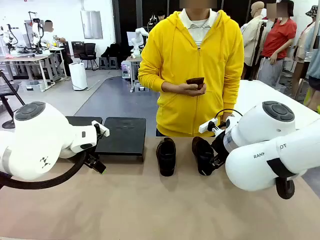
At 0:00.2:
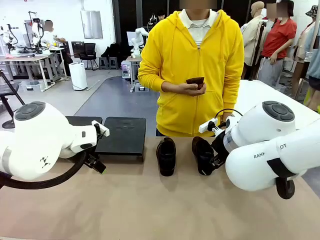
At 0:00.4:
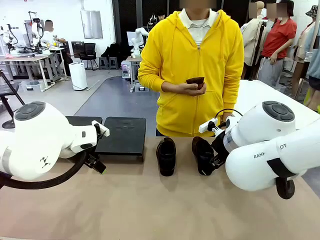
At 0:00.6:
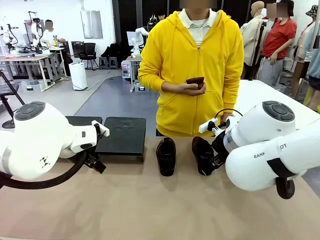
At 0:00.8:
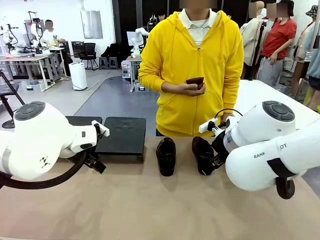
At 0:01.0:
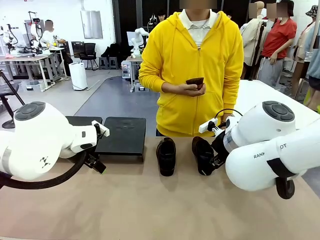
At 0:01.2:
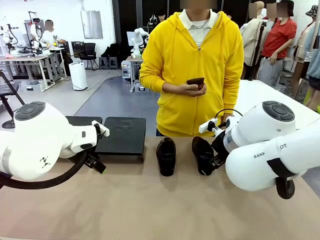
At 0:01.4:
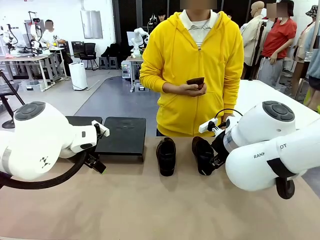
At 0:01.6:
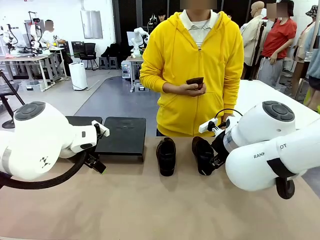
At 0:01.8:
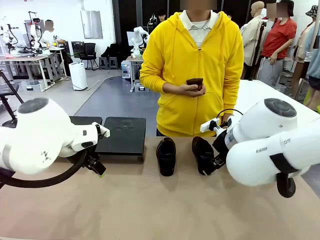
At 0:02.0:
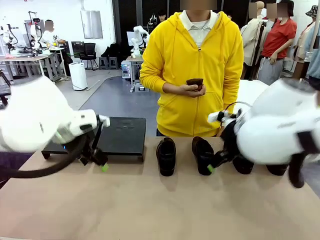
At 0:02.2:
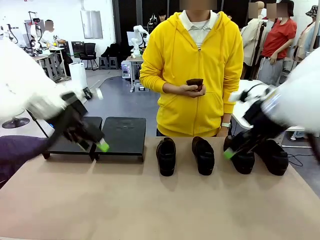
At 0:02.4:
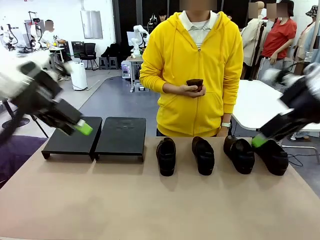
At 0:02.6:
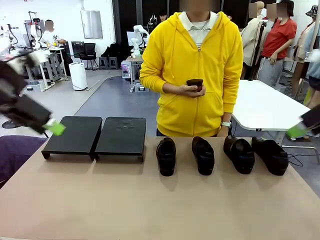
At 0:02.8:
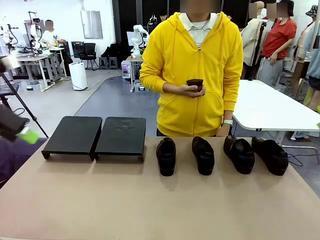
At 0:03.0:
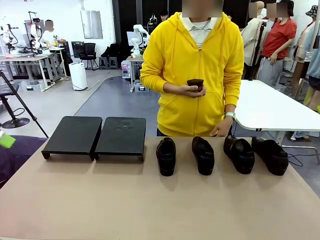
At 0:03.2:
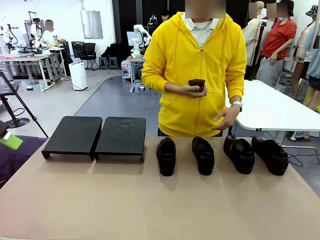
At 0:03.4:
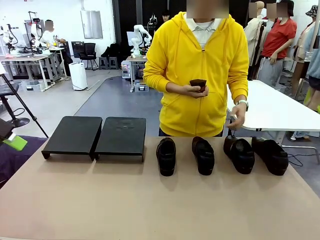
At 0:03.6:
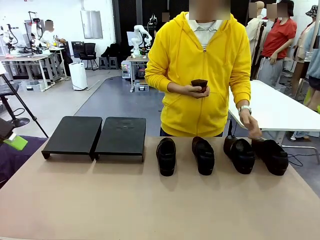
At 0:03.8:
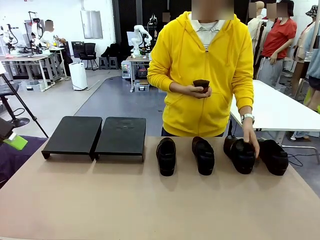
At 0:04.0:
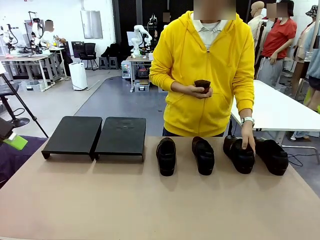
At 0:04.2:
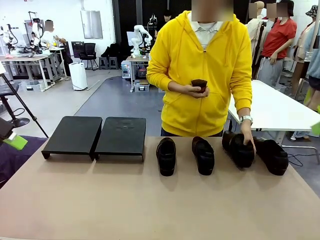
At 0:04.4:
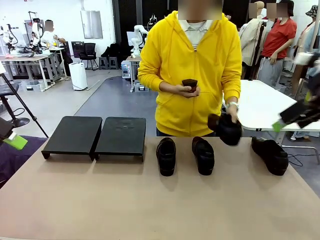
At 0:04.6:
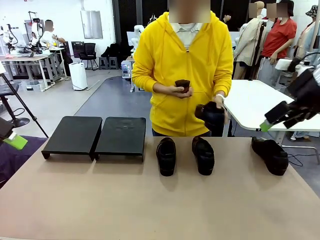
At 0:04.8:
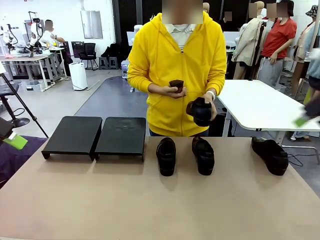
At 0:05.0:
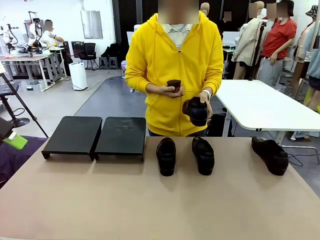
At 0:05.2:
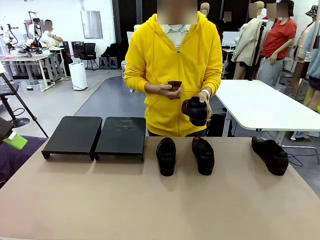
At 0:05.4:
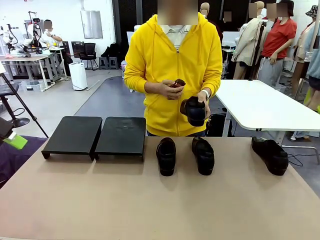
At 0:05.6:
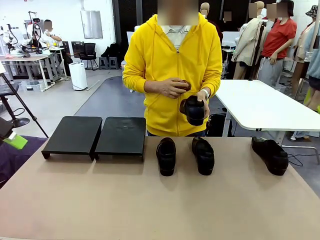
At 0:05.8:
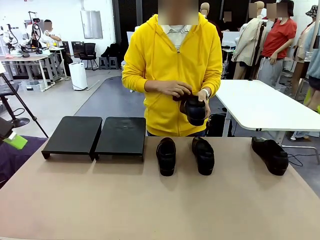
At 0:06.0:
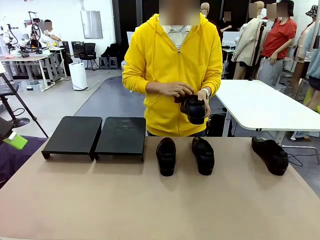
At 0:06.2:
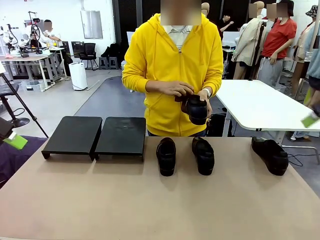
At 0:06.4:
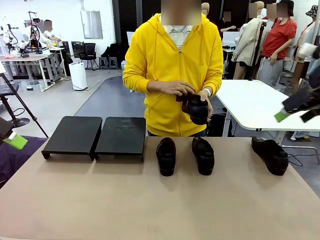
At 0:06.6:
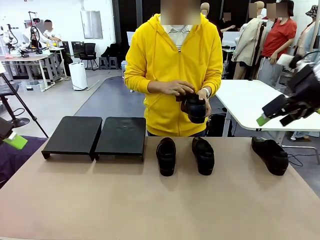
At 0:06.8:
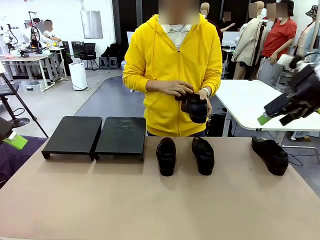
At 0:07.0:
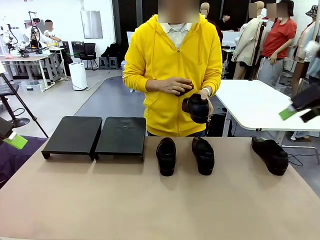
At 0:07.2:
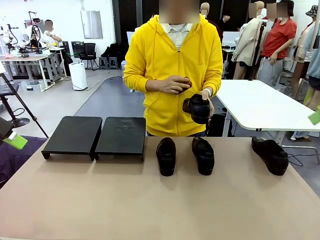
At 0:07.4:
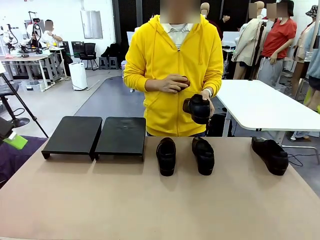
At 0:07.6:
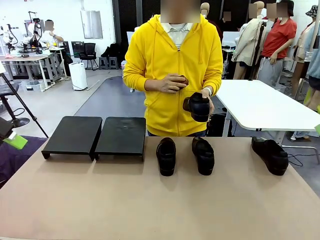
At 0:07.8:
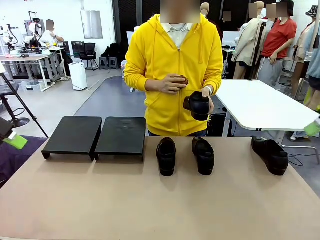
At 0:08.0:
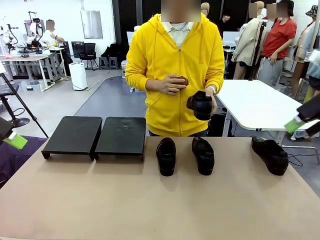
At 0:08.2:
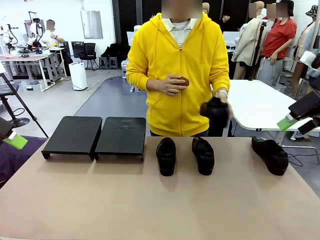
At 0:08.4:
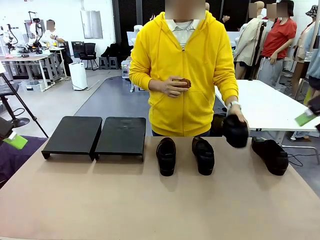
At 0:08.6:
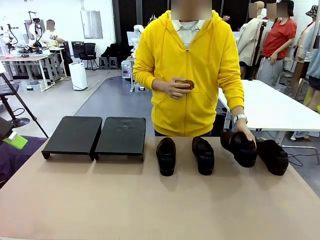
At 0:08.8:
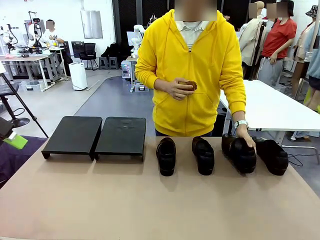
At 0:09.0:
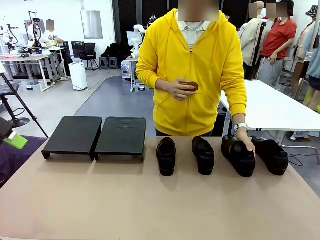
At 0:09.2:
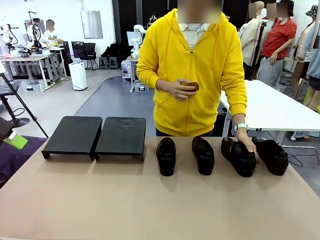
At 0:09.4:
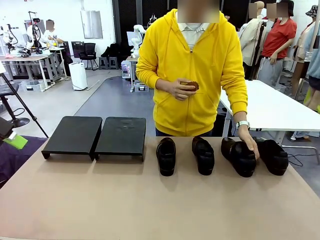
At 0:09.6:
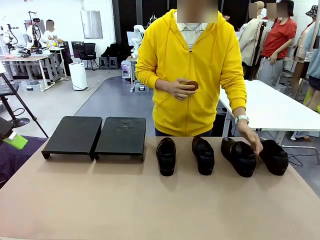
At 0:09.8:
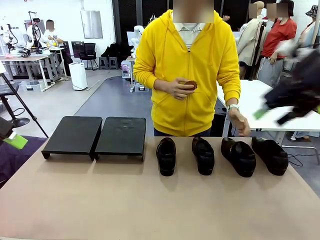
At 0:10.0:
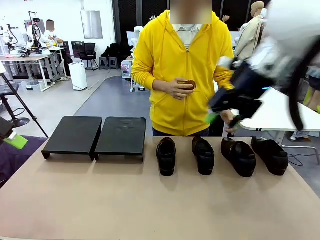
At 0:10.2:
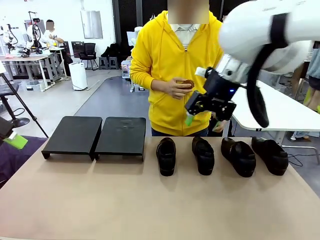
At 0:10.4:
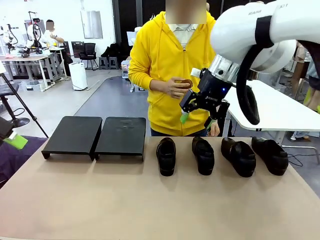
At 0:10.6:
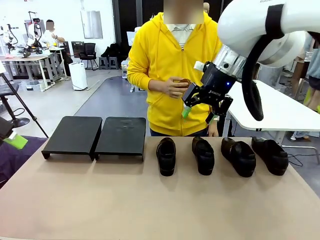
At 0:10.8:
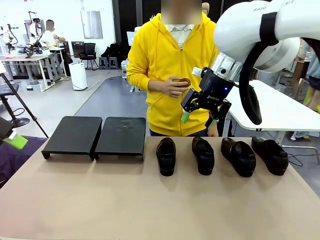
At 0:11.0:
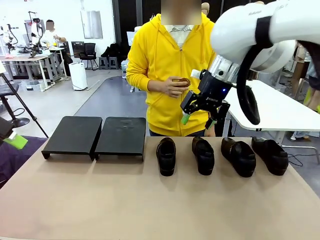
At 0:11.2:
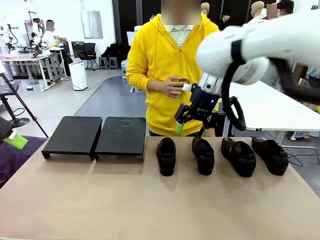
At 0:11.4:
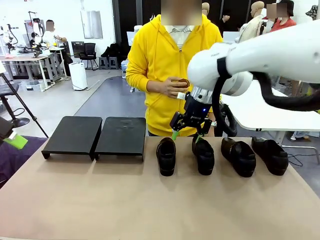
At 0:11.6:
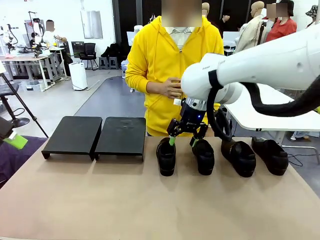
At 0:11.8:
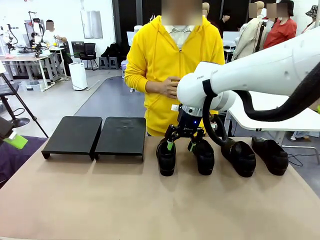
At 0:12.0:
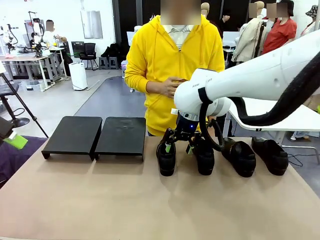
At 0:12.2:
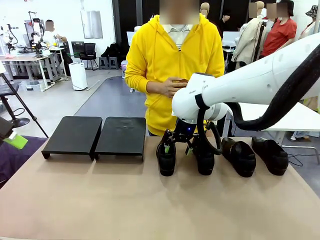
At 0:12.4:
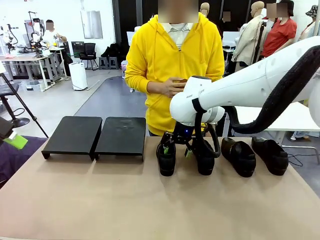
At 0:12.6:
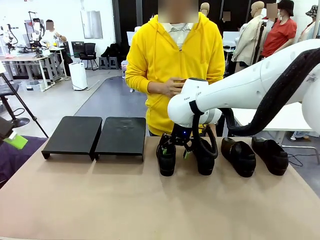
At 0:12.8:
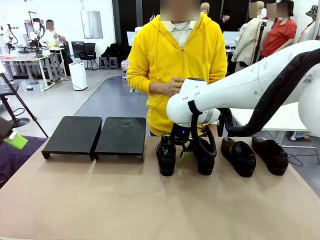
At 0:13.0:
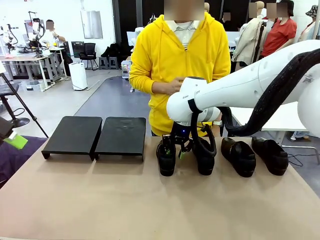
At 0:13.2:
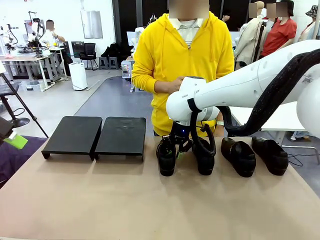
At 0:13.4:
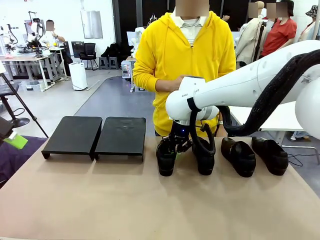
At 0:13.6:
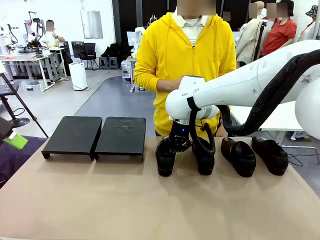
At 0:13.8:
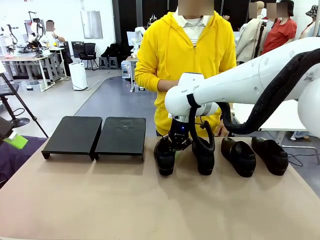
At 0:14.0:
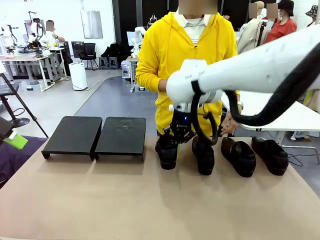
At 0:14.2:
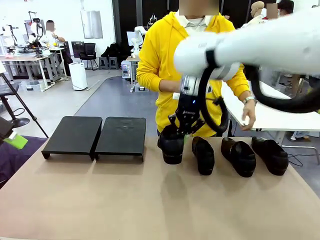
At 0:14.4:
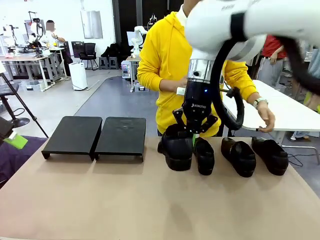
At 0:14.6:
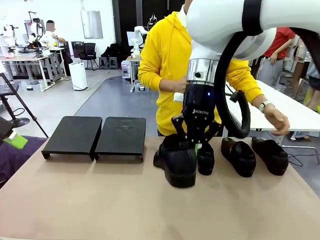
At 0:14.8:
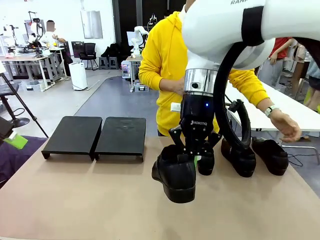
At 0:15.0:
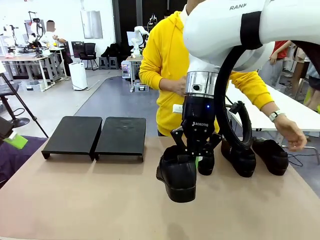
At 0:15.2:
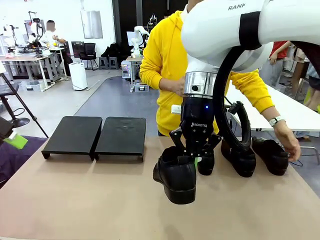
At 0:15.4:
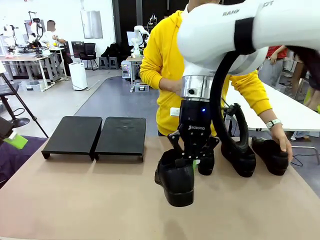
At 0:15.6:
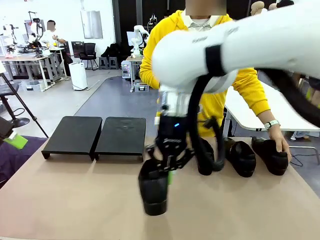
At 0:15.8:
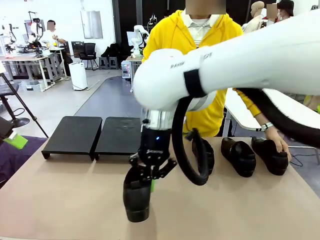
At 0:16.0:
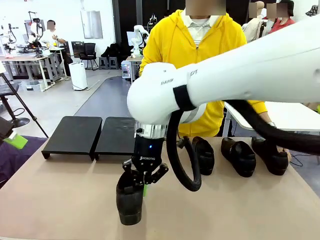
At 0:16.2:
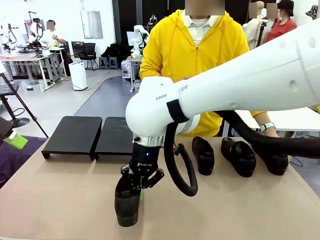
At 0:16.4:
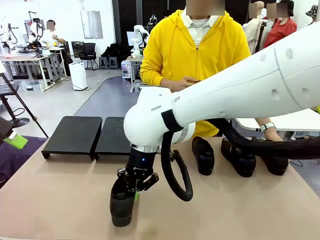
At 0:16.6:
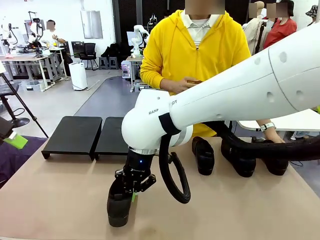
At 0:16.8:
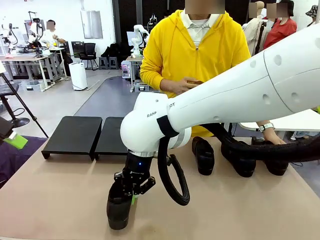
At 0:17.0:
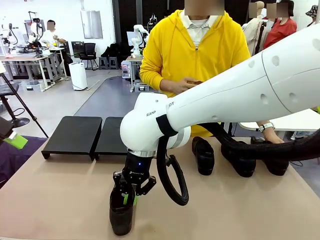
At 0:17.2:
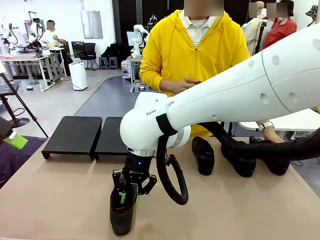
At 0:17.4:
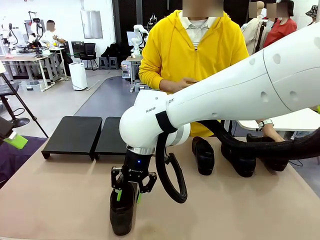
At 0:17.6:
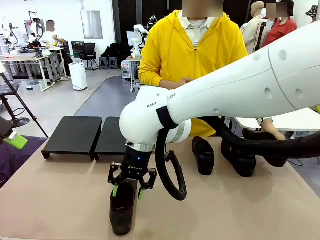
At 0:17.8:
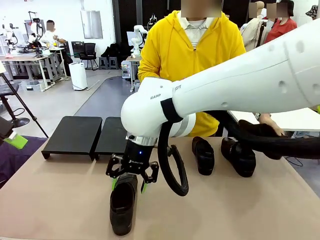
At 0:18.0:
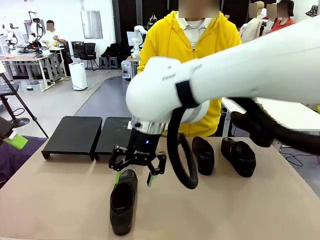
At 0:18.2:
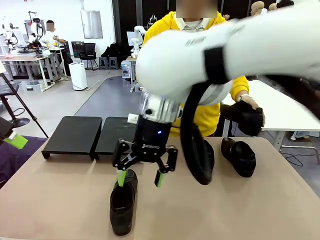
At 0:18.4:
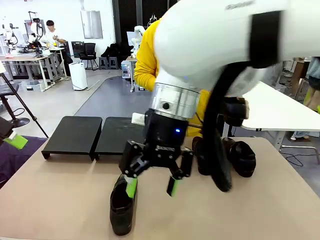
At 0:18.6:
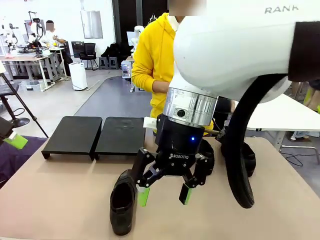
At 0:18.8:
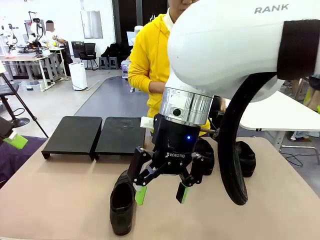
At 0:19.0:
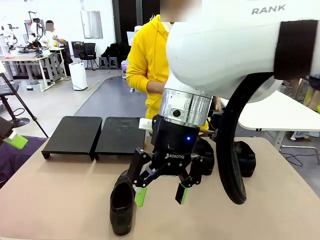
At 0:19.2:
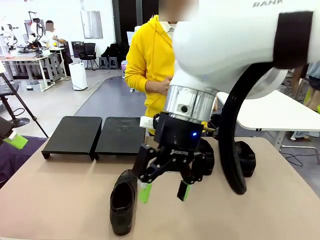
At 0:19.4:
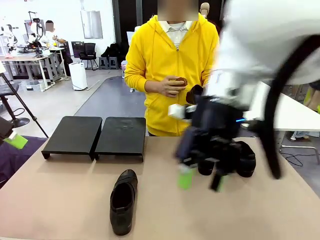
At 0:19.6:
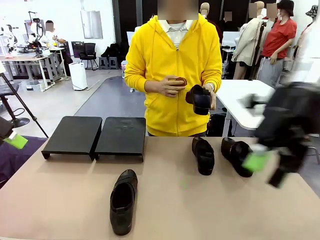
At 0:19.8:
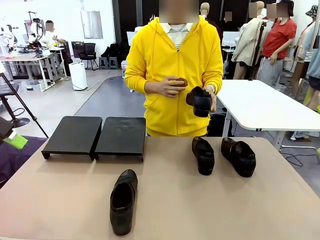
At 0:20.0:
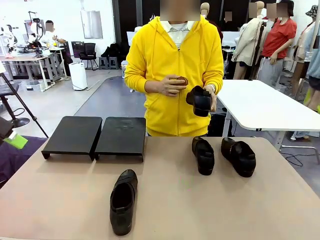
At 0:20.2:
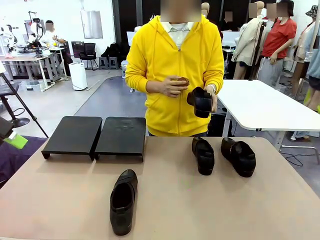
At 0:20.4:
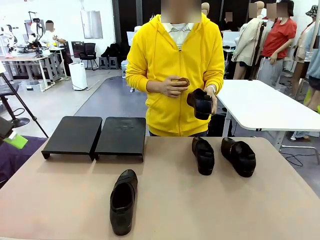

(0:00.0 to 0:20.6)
Task: Organize the shoes by placing them on the stand.
Robot: Pick up one Shoe and place it in the middle of the table.
Person: Pick one Shoe on Robot's table. Clean the Shoe with the Shoe Brush. Place the Shoe on left side of the Robot's table. Pick one Shoe on Robot's table.
